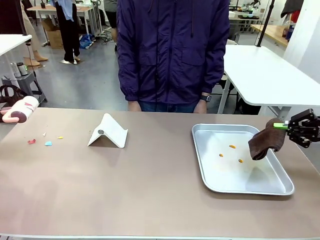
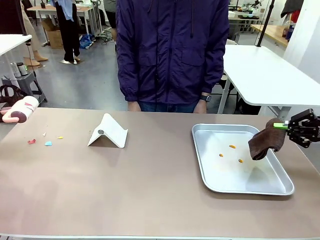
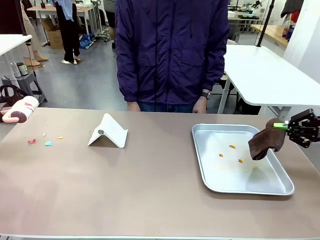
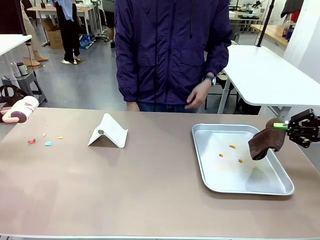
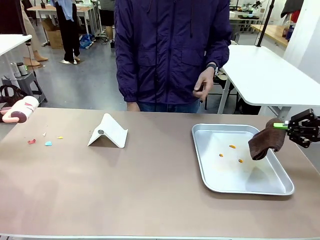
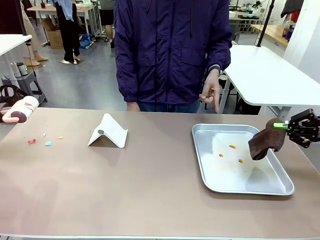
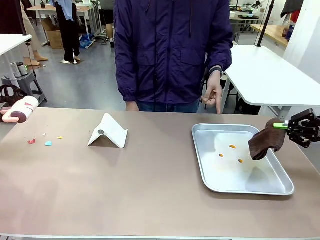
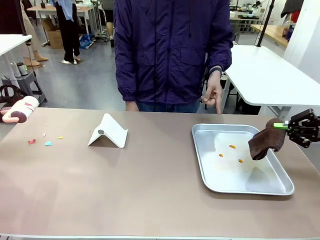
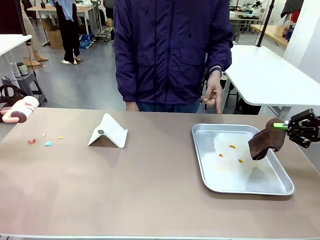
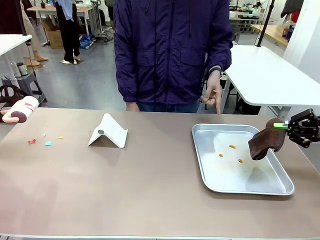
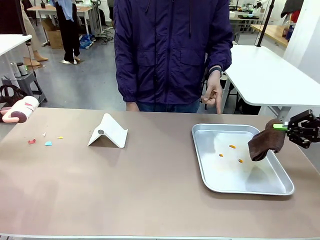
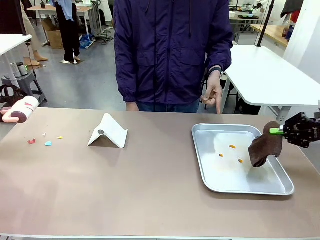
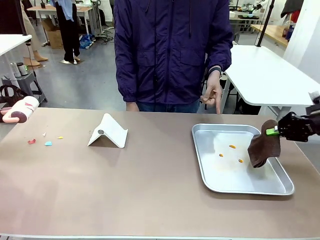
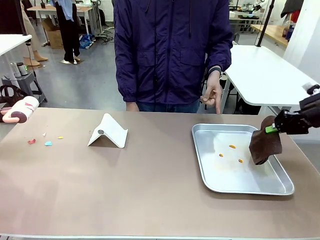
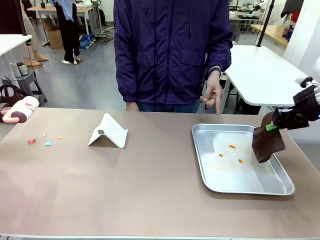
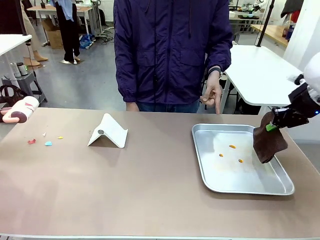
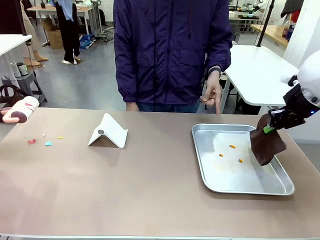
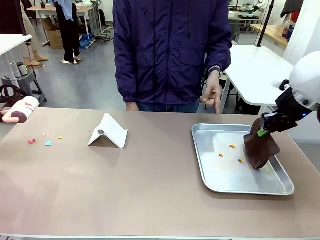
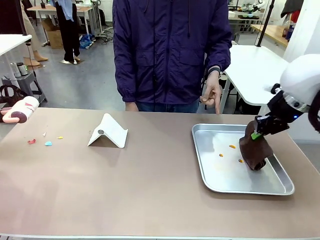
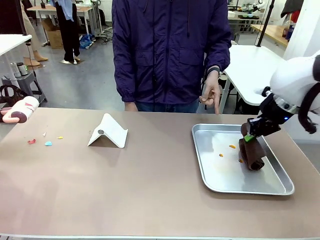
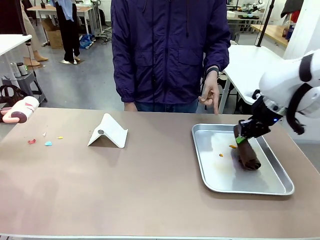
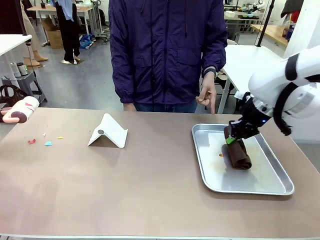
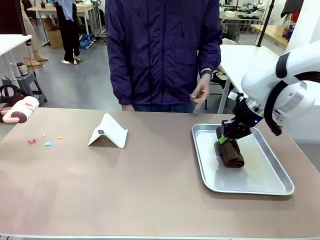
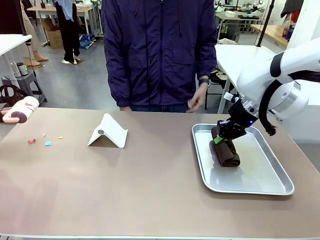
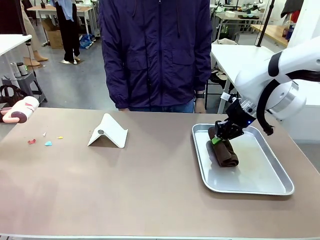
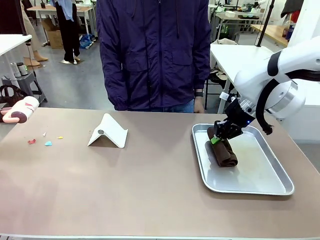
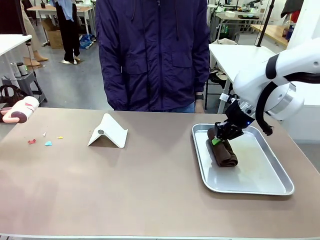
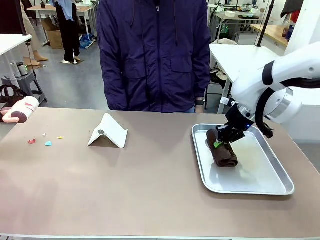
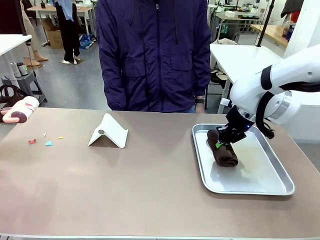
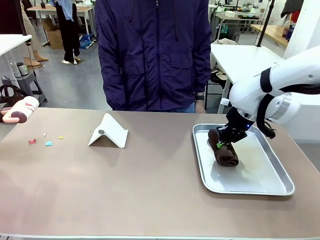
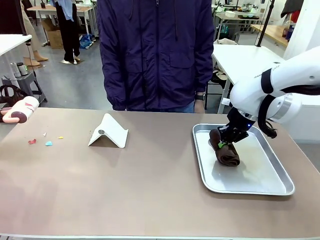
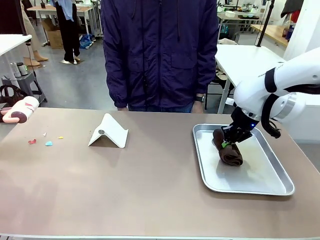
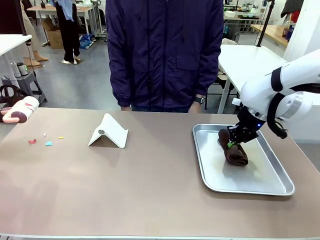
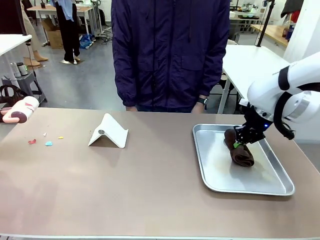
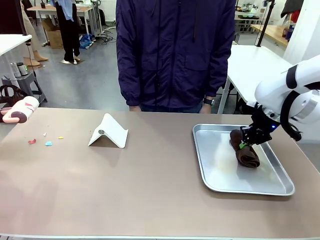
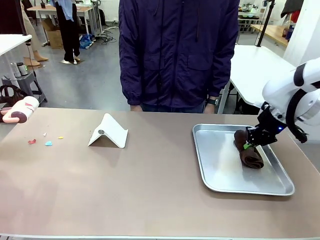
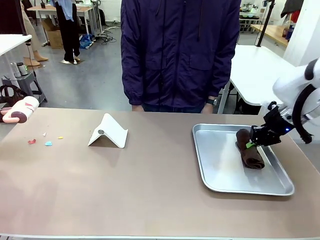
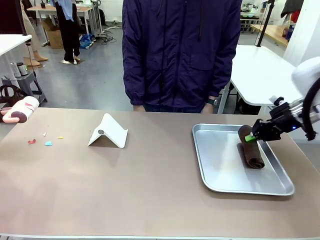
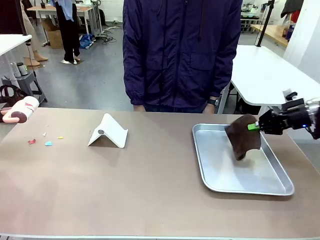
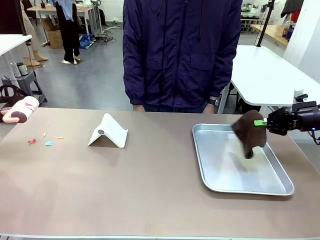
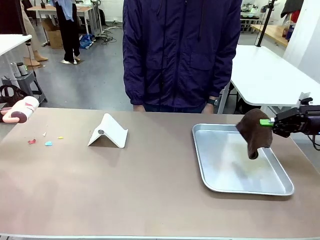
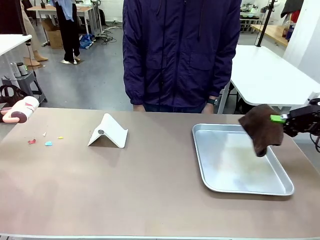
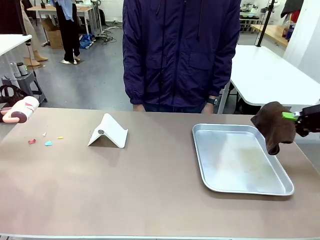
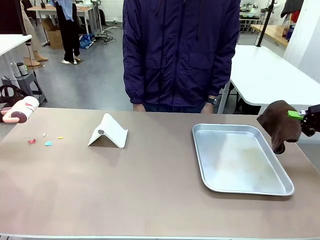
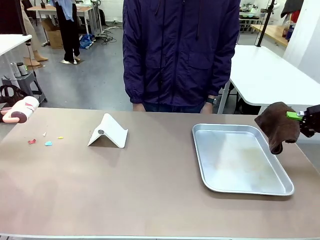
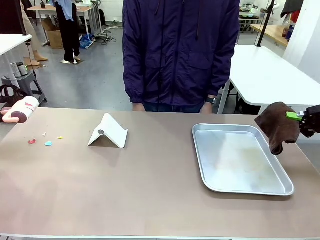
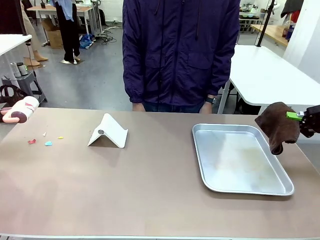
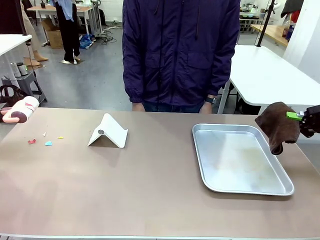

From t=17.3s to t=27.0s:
Task: Clean the surface of the table.
Robot: If a person points to the right, clean the right side of the table with your right hand, and if they point to the left, clean the left side with your left hand.

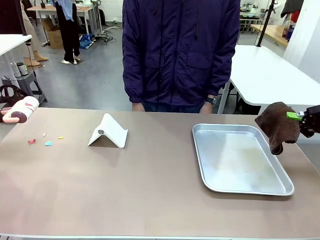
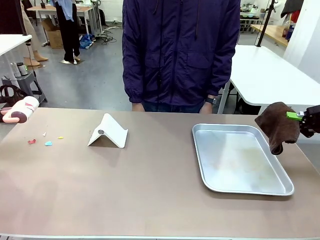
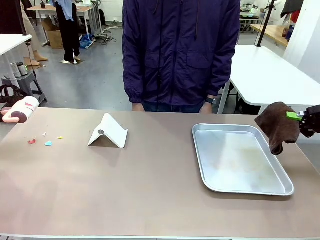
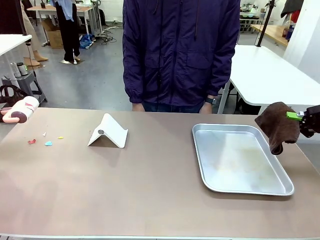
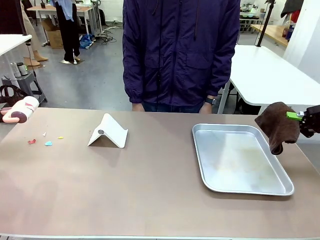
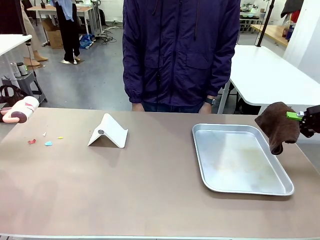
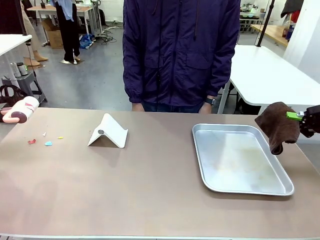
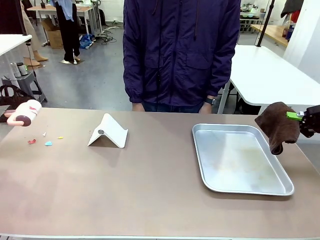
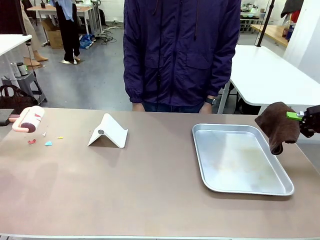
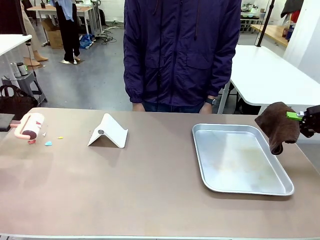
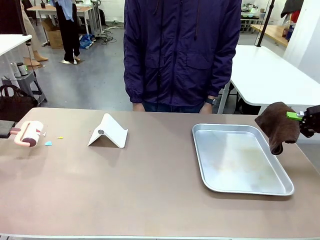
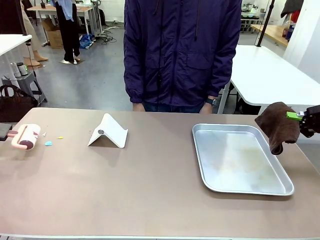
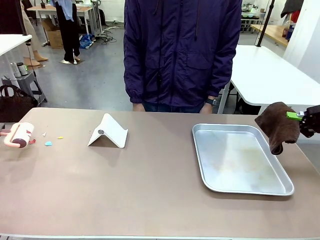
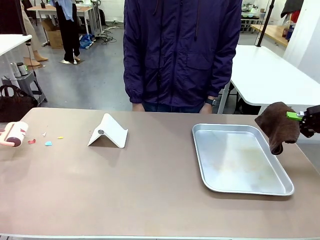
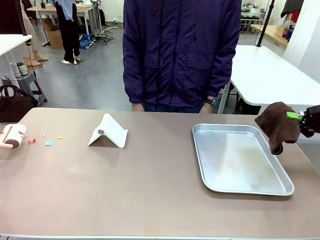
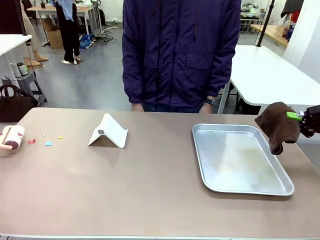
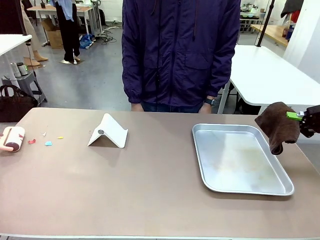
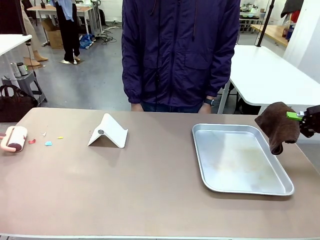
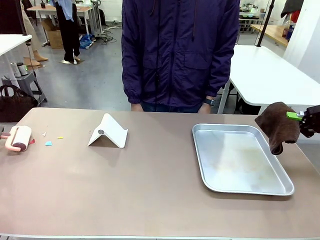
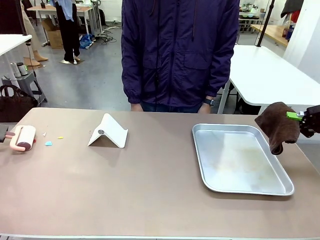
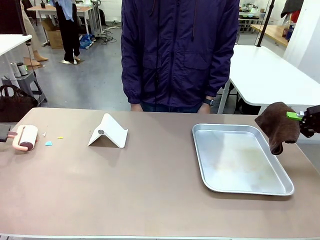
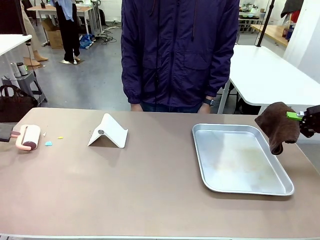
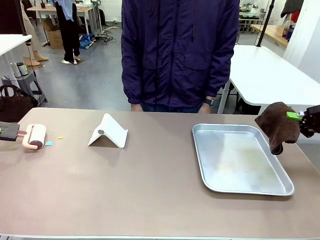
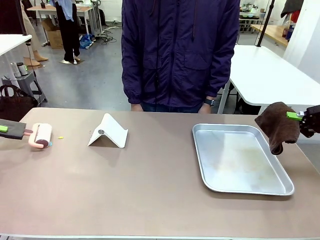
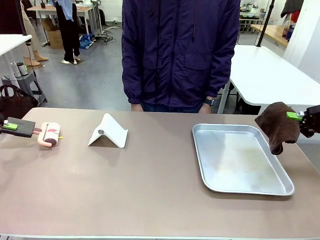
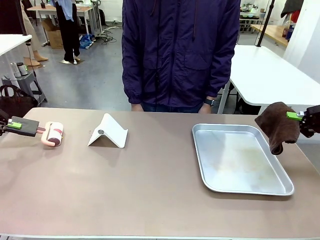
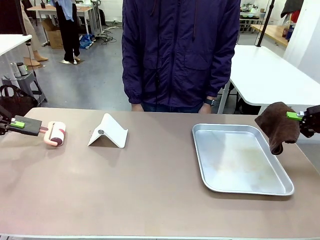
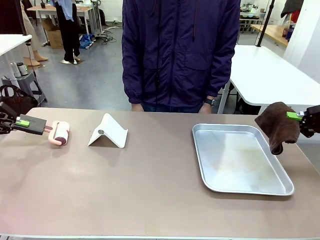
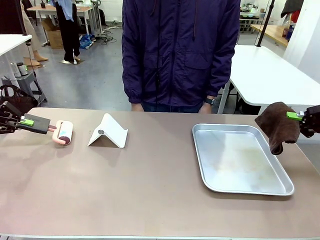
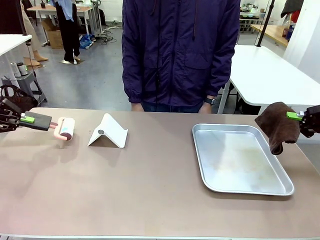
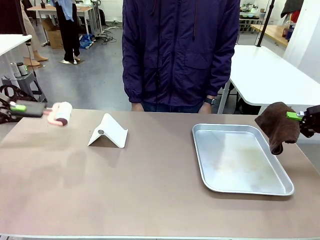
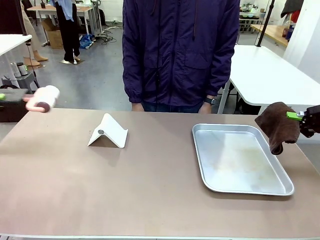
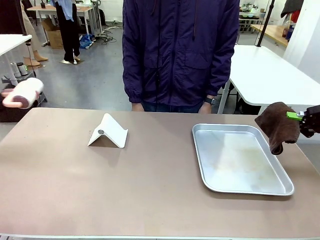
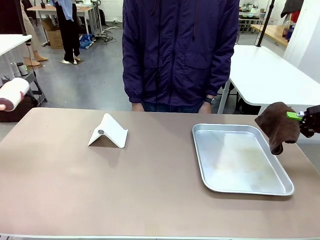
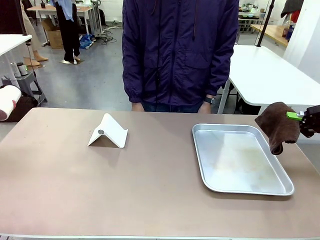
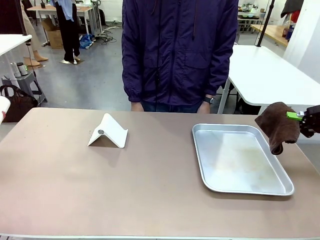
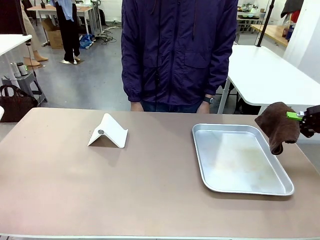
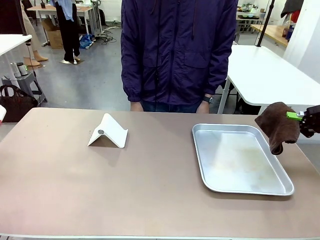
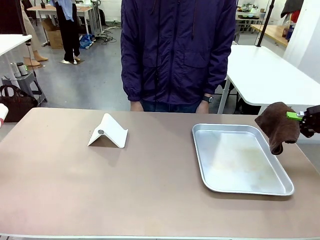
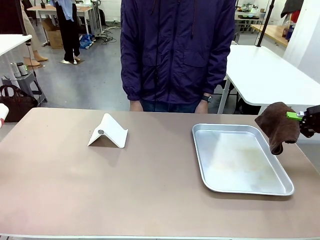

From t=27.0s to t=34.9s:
Robot: Clean the area not pointed to by the person.
